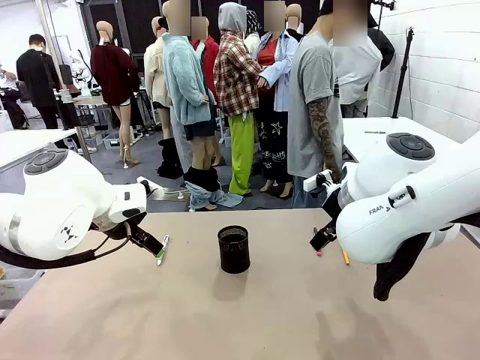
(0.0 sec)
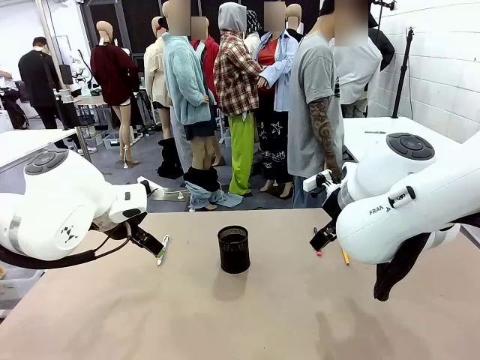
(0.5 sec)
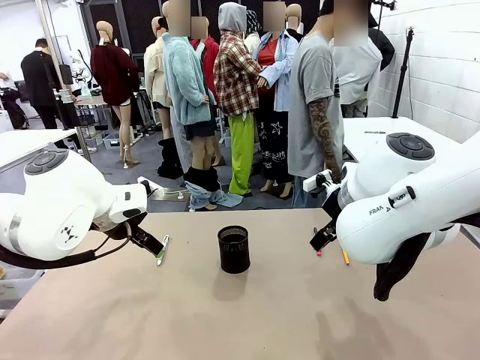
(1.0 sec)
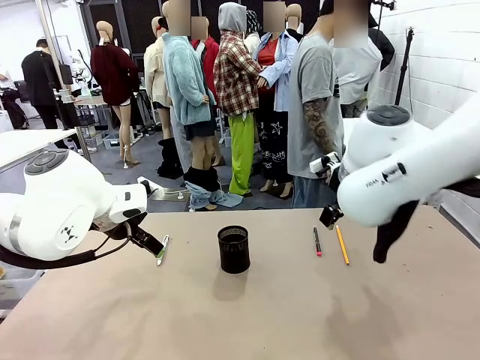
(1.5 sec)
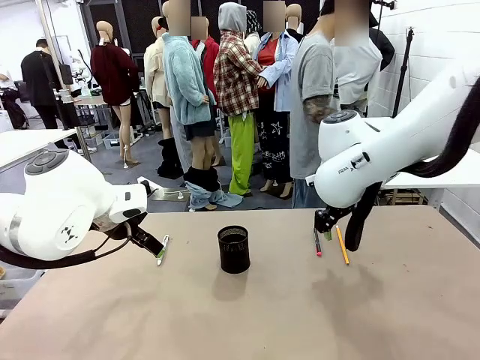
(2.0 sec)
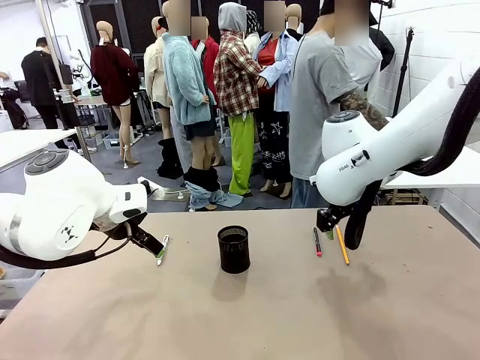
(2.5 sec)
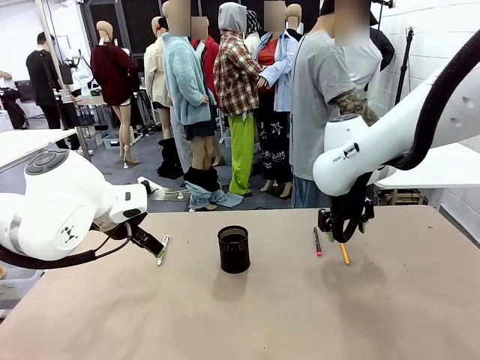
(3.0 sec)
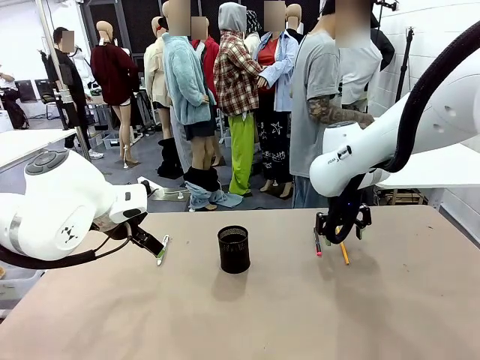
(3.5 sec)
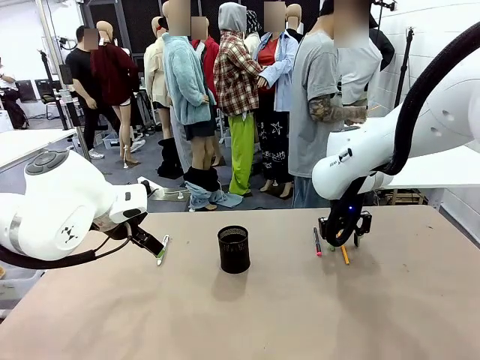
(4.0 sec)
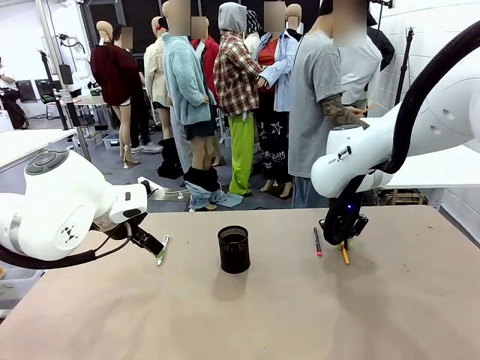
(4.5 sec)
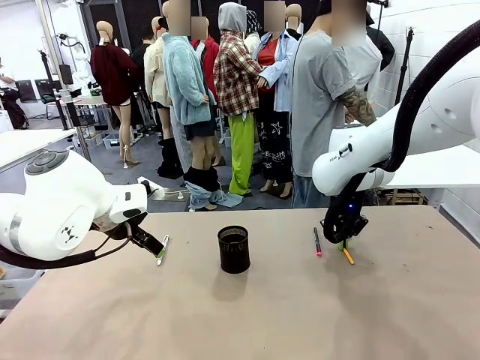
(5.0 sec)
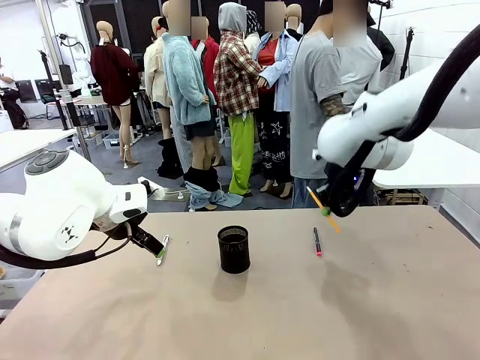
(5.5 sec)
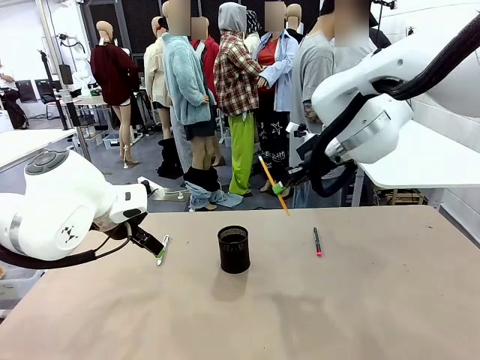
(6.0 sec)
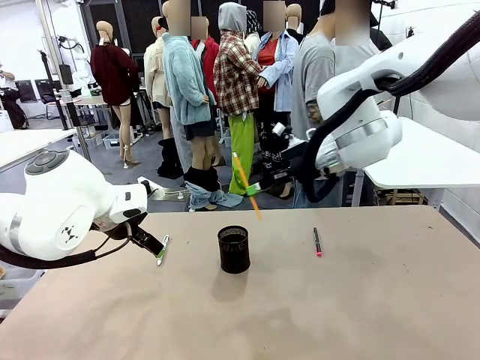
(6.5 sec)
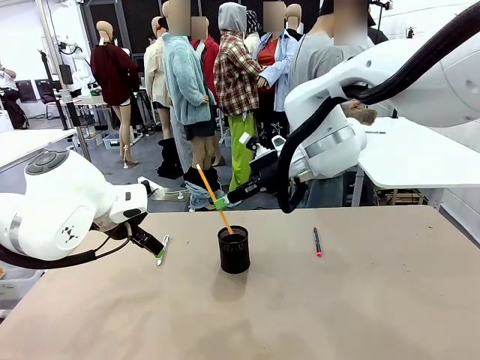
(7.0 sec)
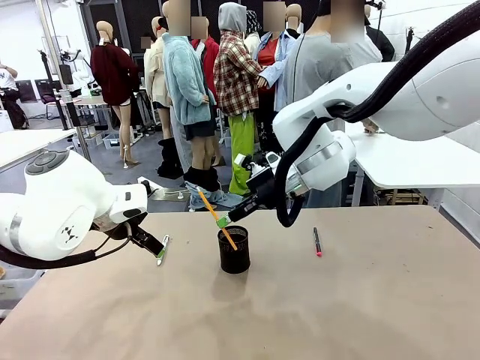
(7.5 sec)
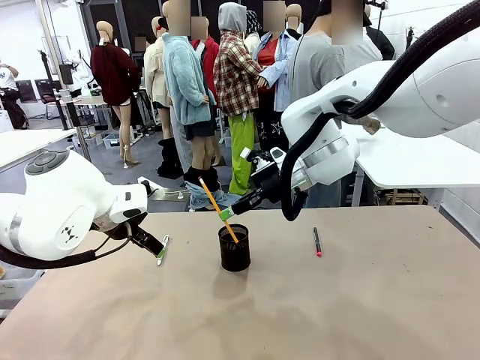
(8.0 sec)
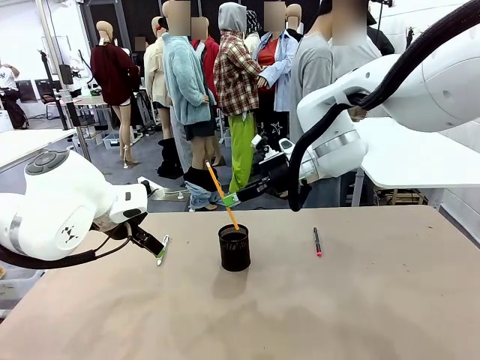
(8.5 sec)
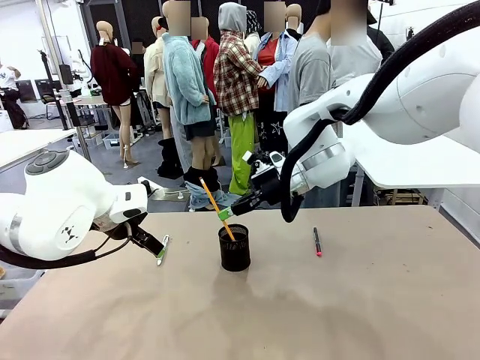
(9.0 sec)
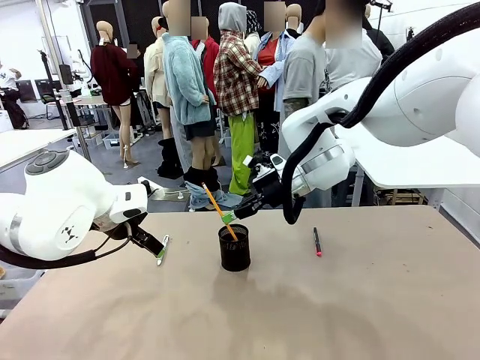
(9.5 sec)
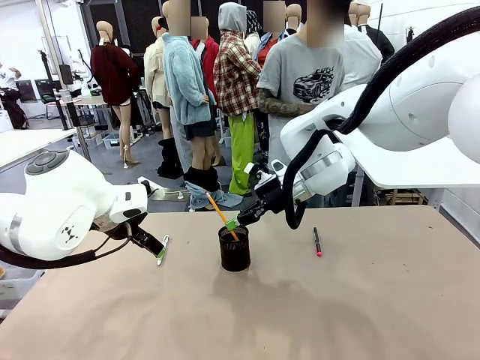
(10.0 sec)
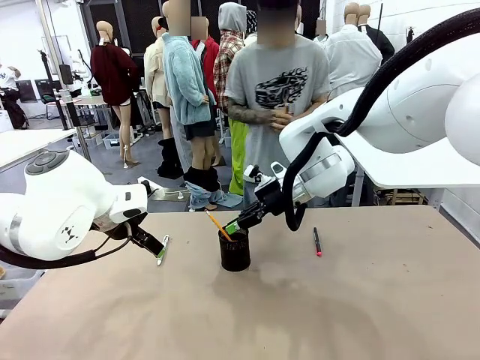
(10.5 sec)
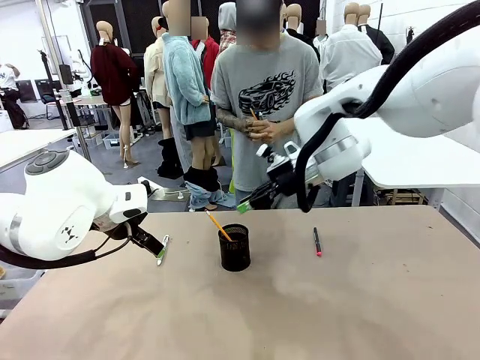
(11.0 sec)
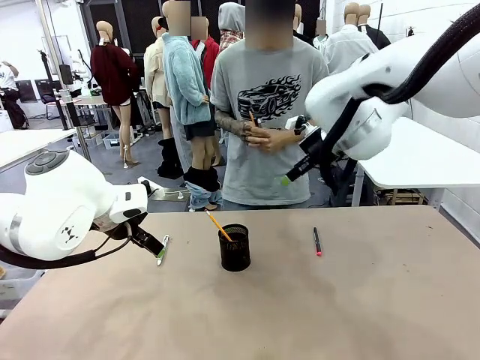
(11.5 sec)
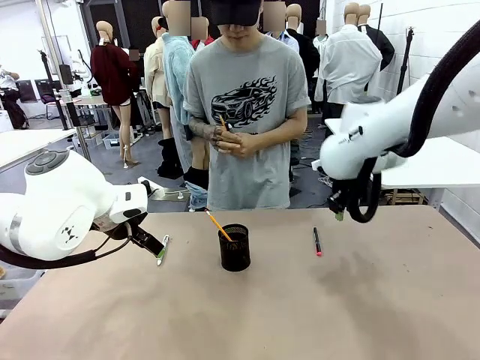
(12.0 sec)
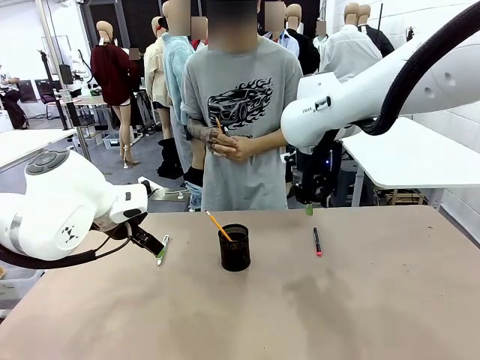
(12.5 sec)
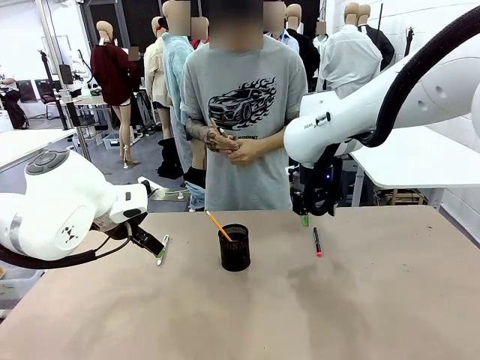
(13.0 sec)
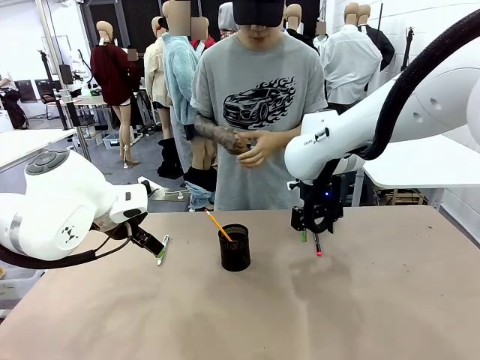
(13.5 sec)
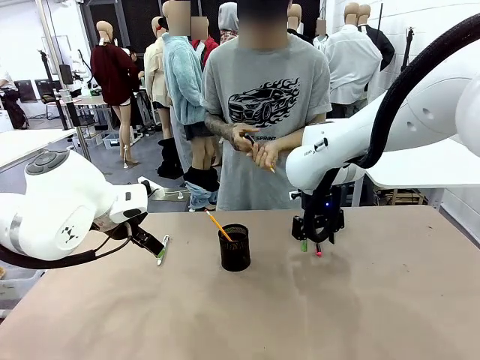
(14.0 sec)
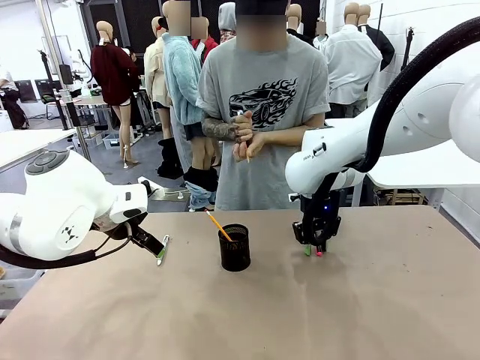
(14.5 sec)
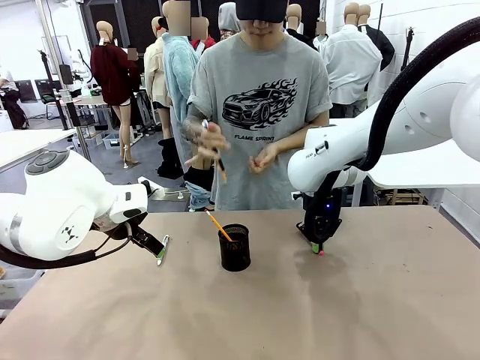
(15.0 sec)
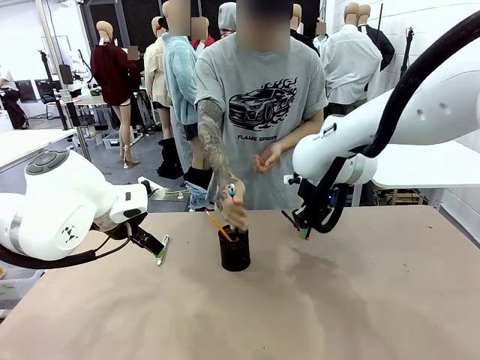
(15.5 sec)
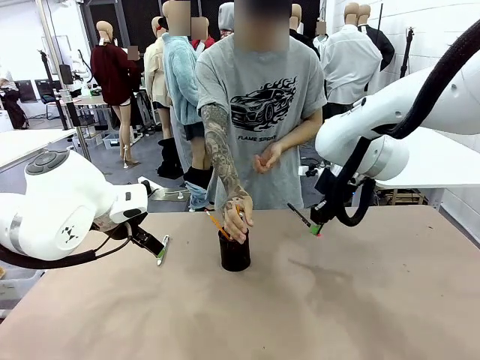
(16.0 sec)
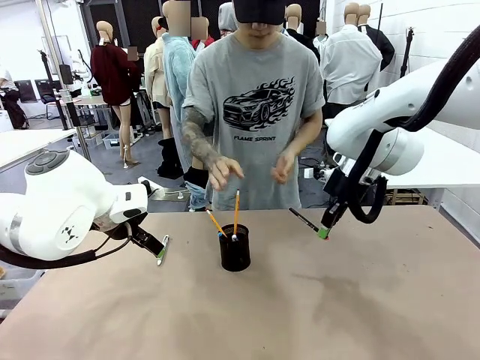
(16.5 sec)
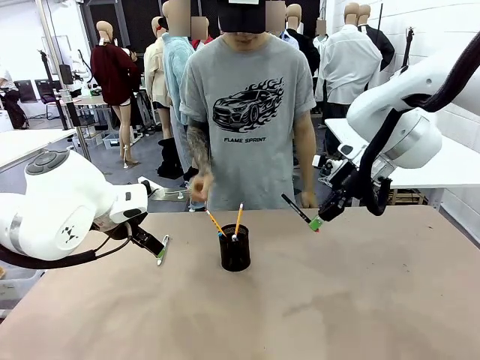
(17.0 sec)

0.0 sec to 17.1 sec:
Task: Place the pens into the pen holder.
Robot: Pick up a writing instrument from the table and place it into the Pen holder.
Person: Pick up all writing instruments from the Human table.
